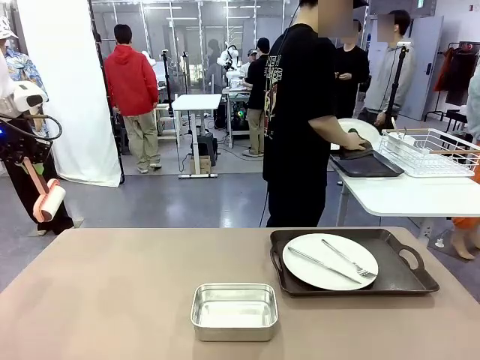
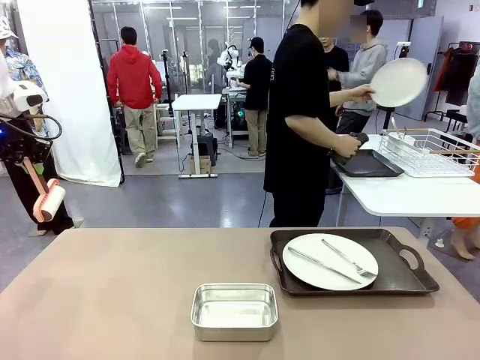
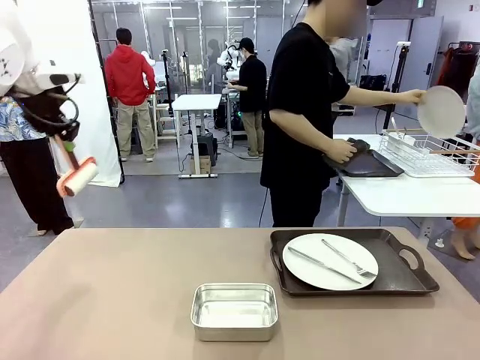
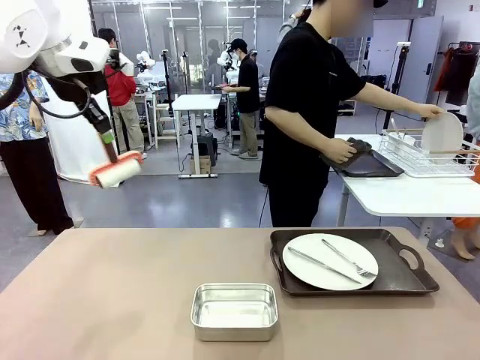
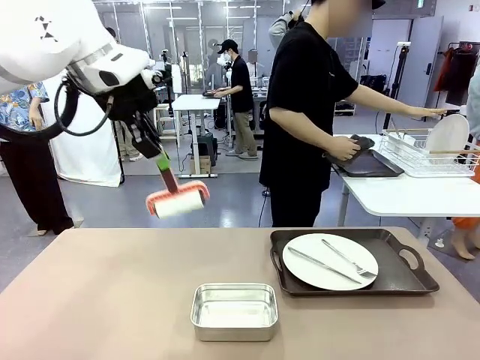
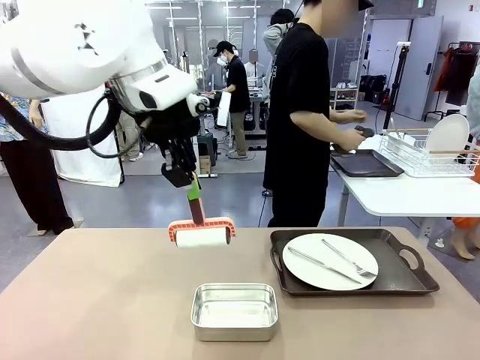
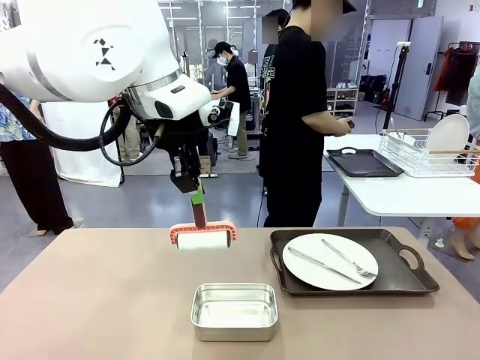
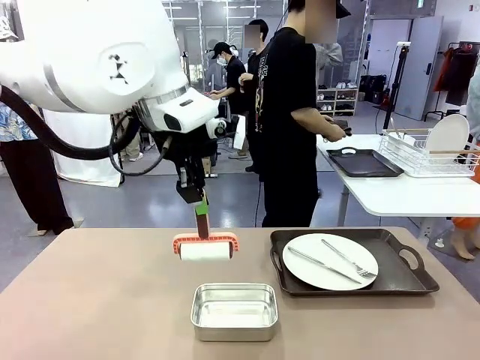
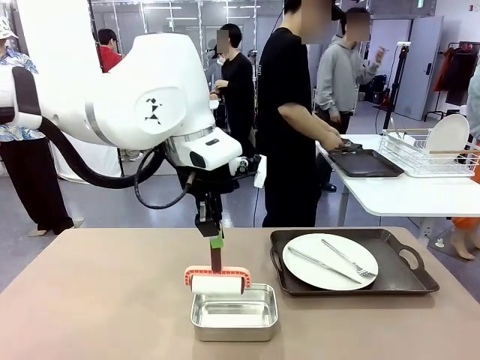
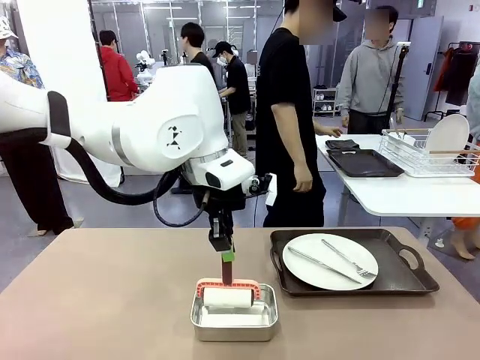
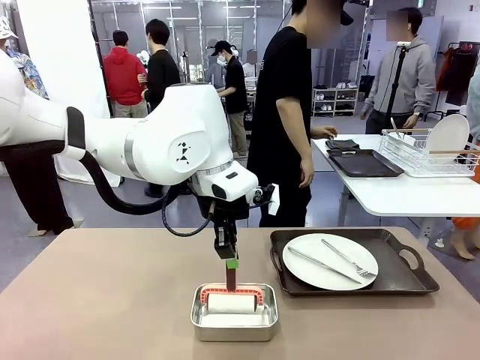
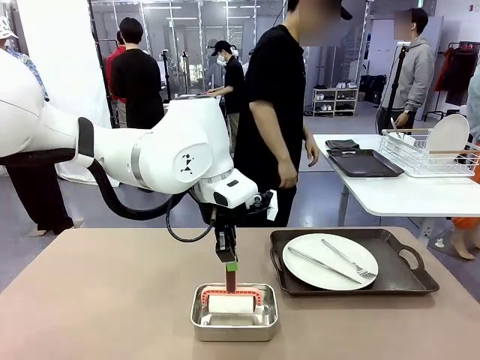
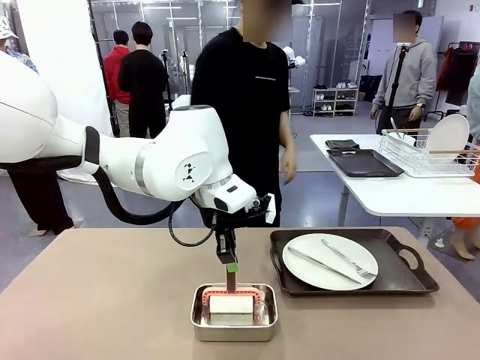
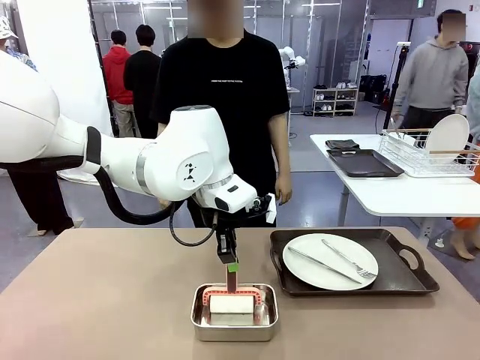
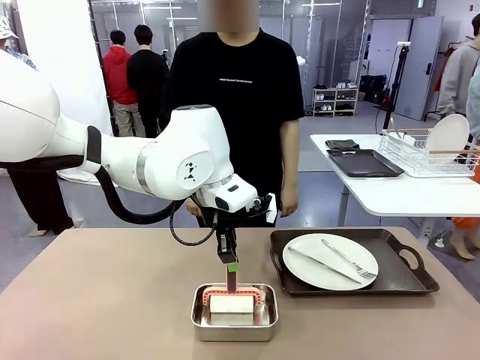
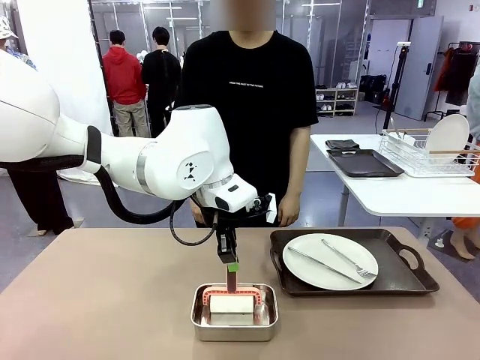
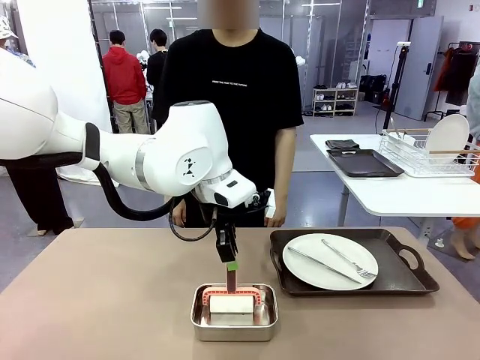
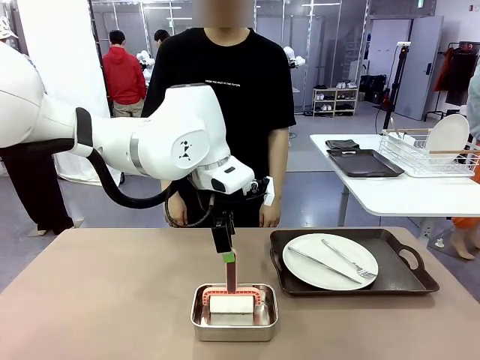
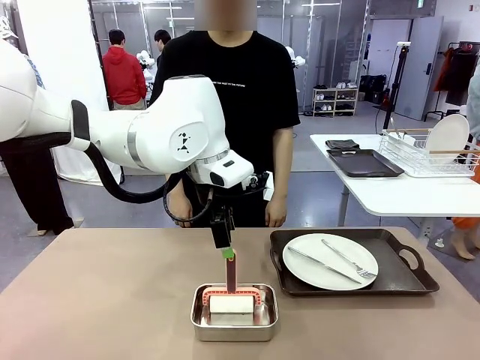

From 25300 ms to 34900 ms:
Robot: Place the Lint Roller back on top of the Airtight Container.

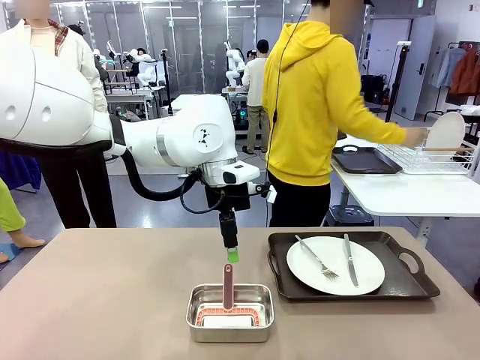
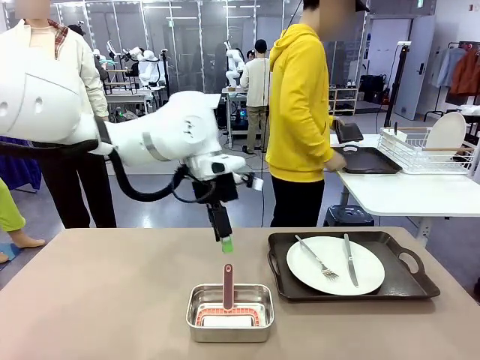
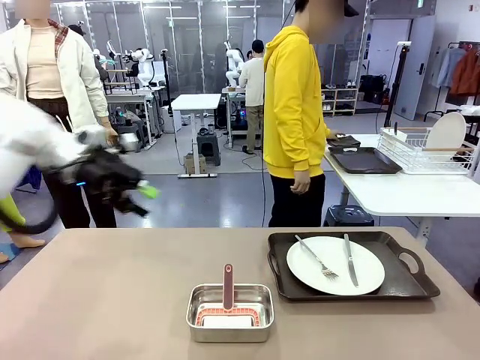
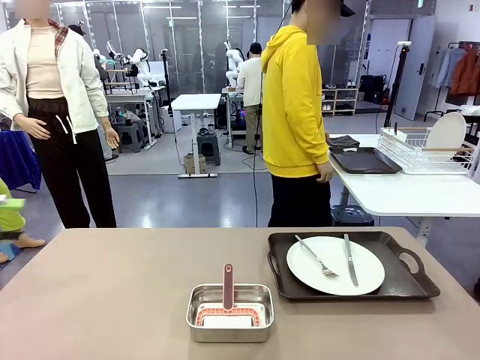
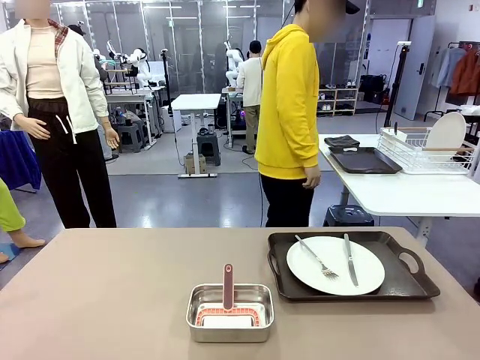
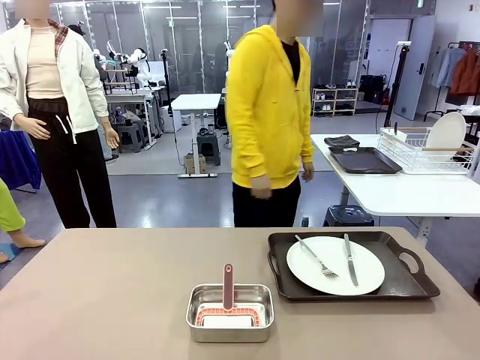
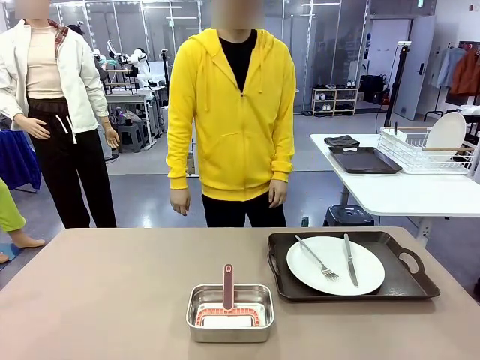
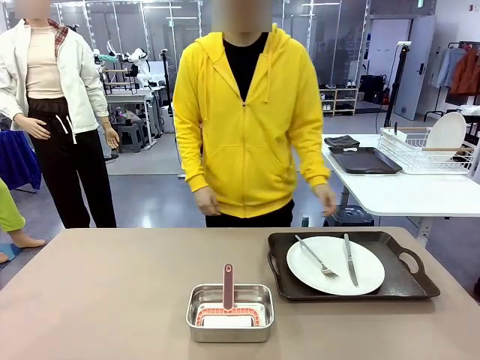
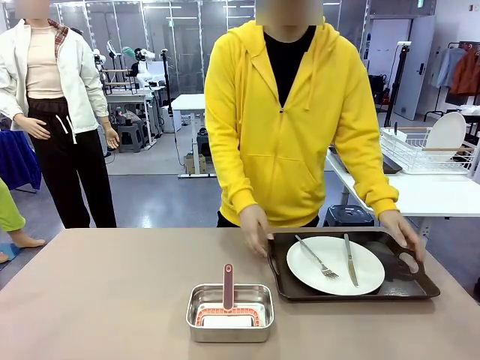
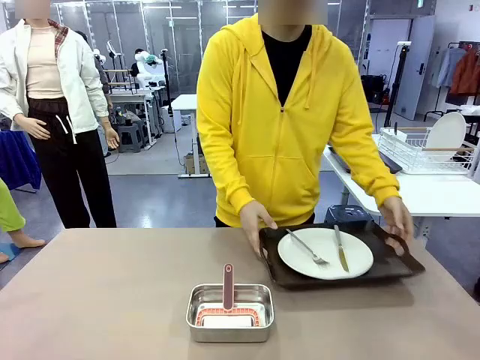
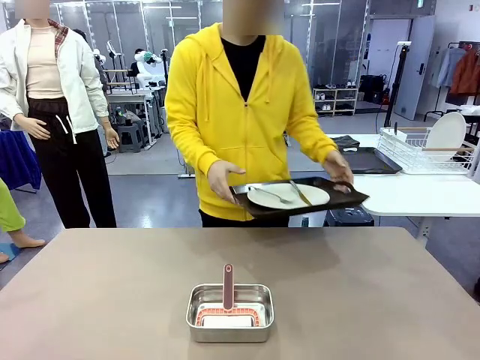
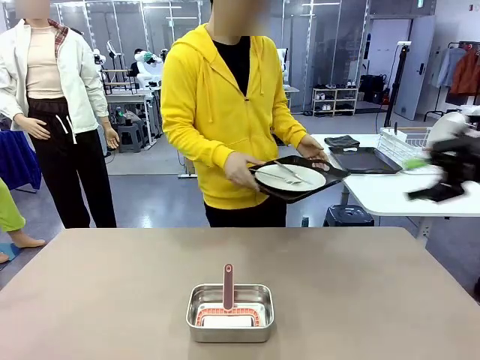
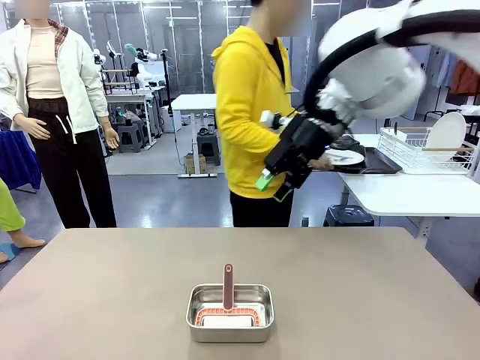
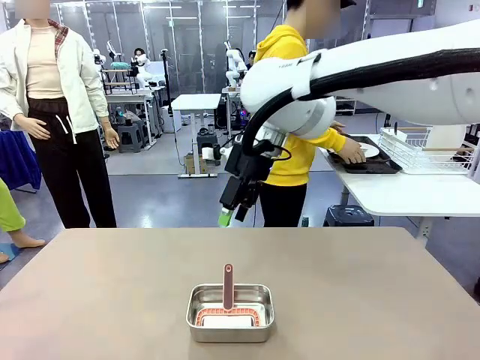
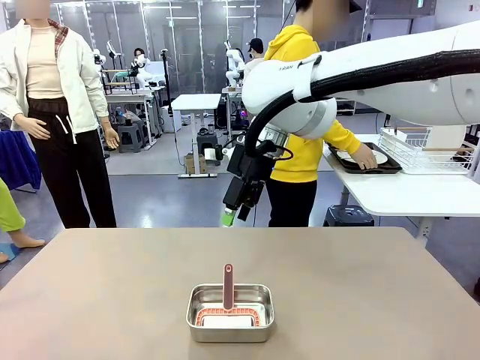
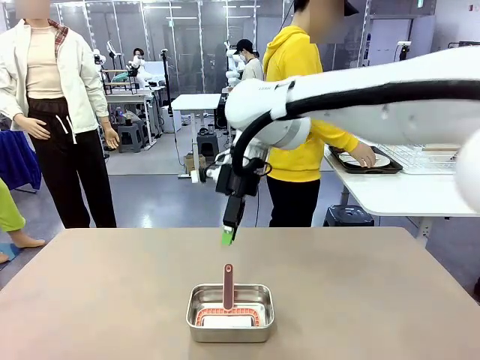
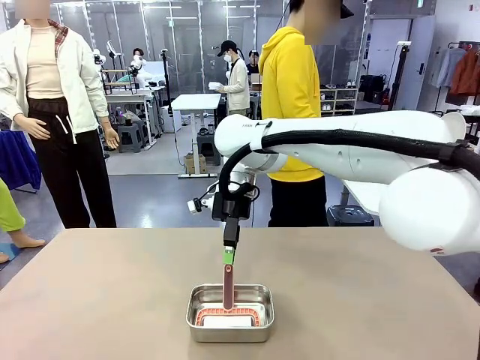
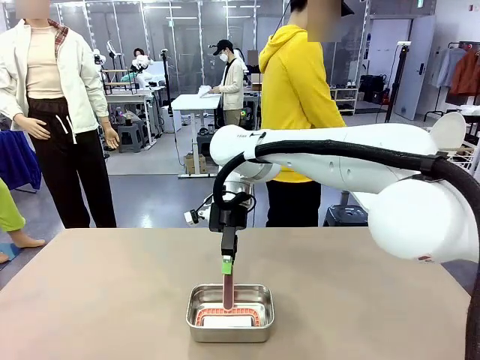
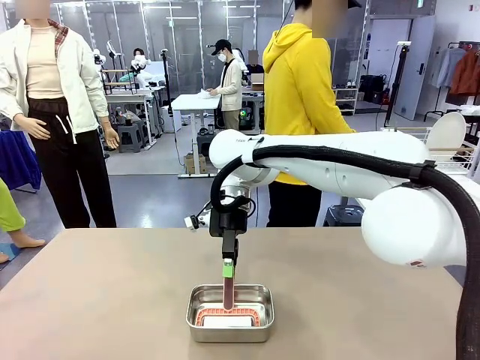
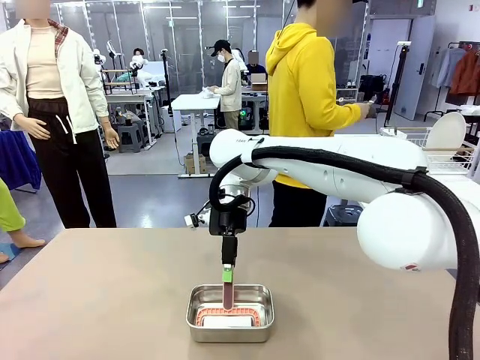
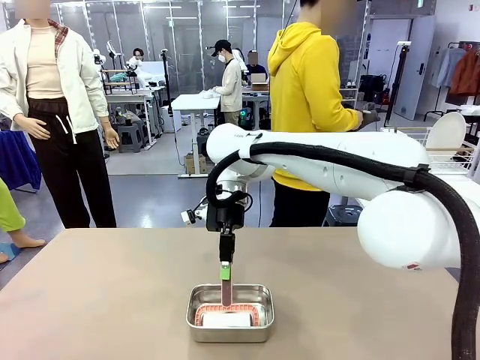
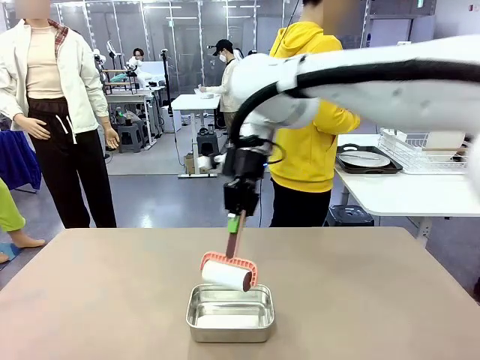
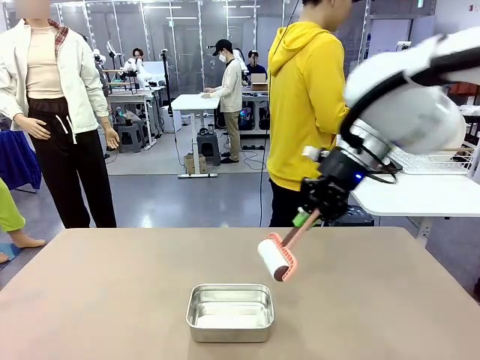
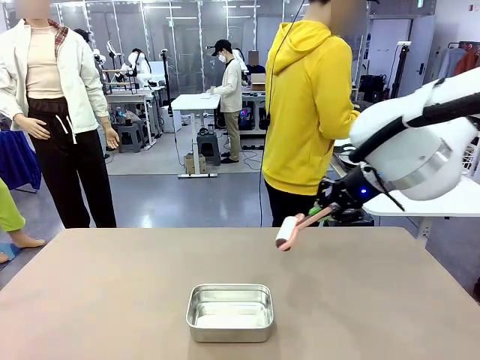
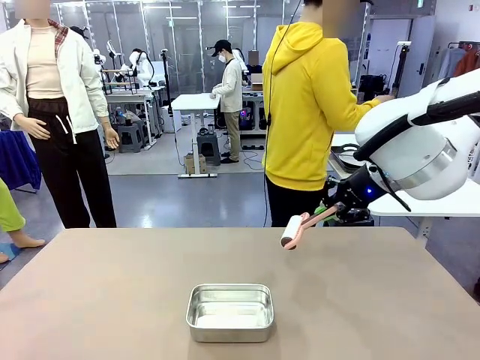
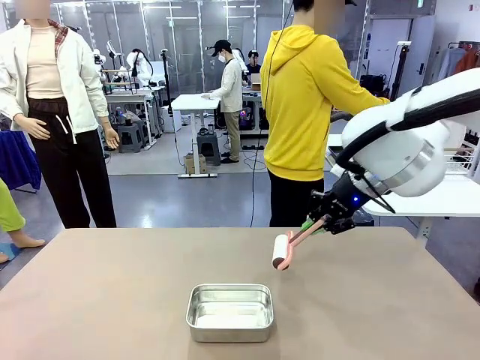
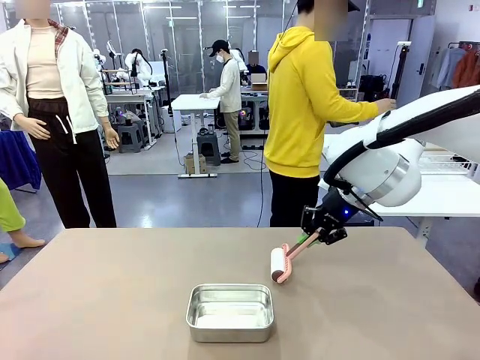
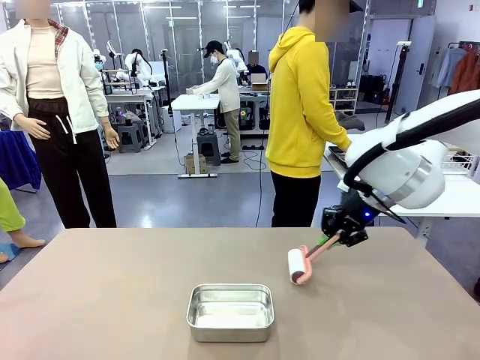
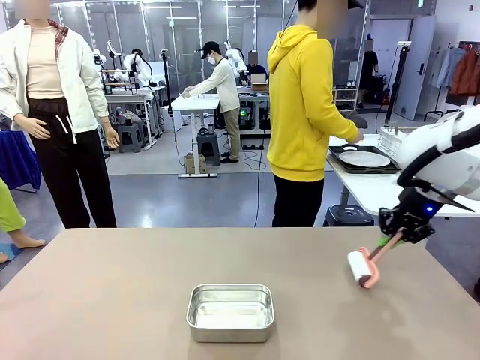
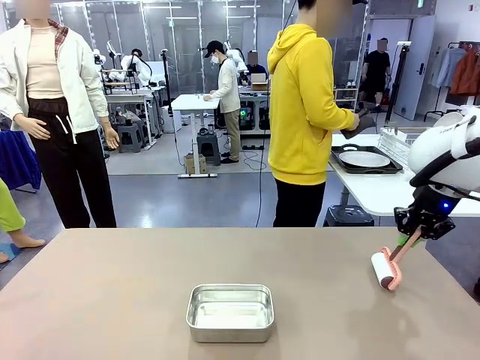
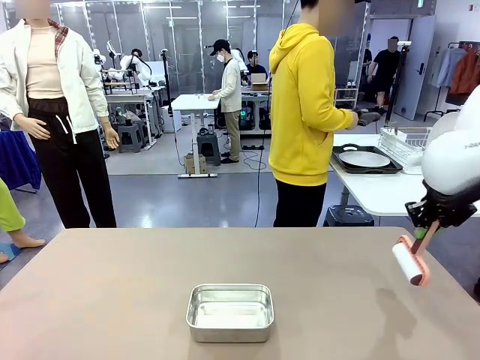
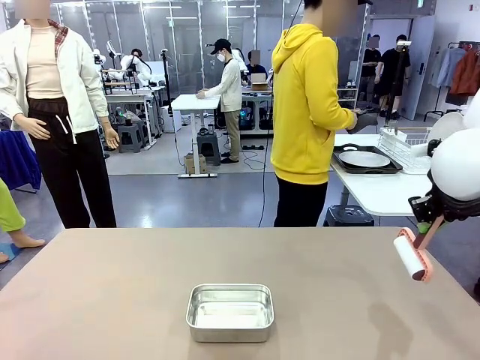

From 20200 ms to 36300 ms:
Robot: When the right (or left) Handle tray is removed, use the right hand (or left hand) to clean the right (or left) side of the table with the Lint Roller.
Person: Pick up the left (or right) Handle tray and place it on the Handle tray.
